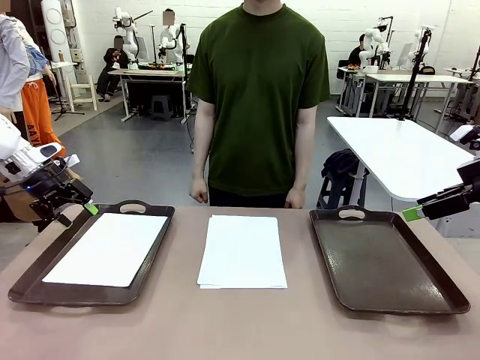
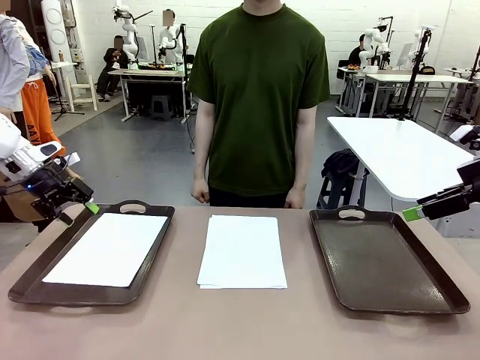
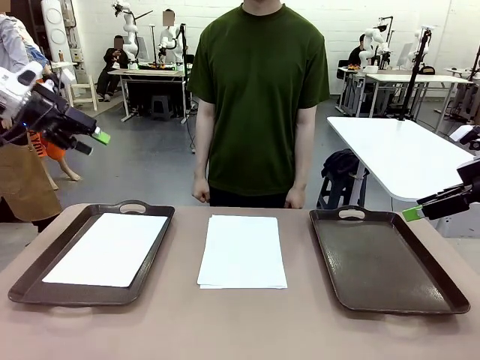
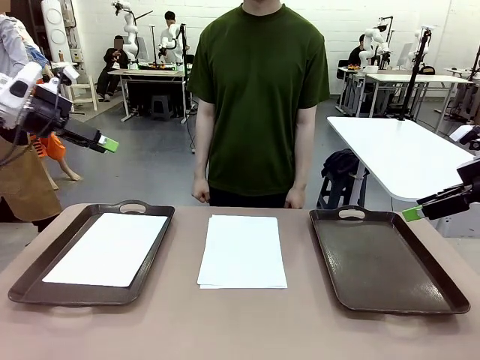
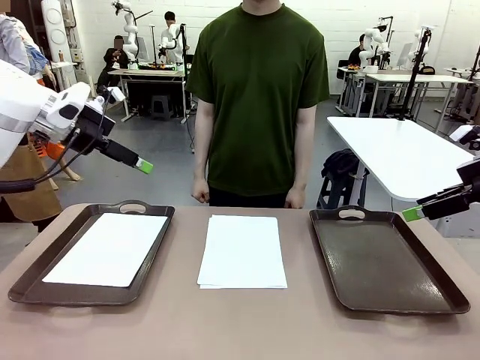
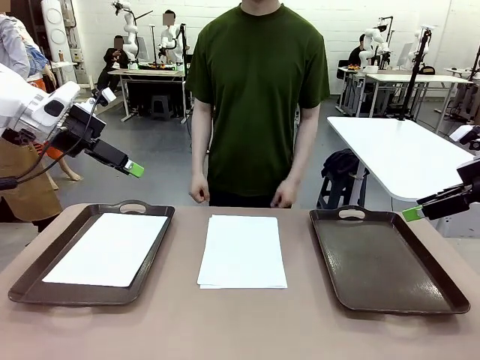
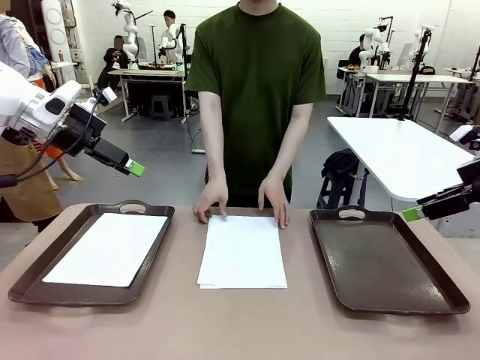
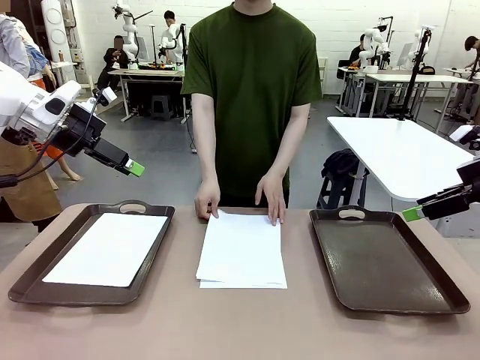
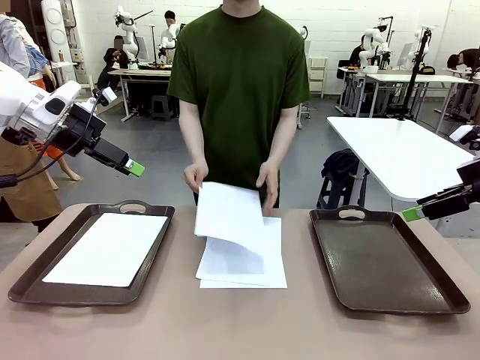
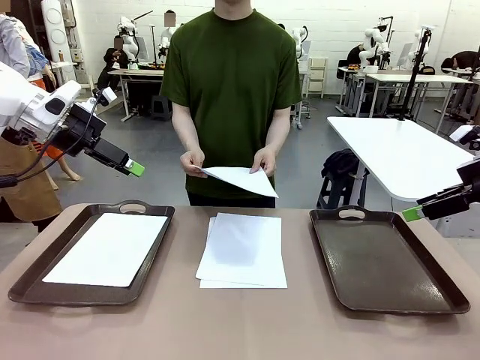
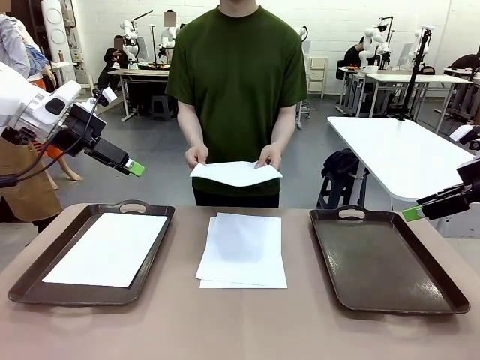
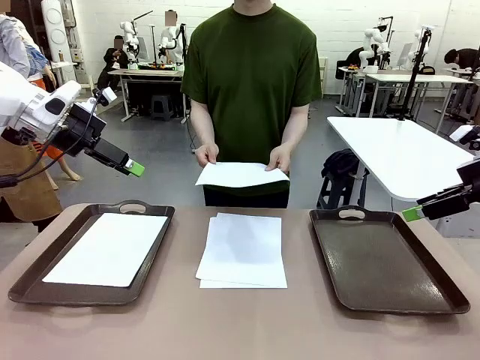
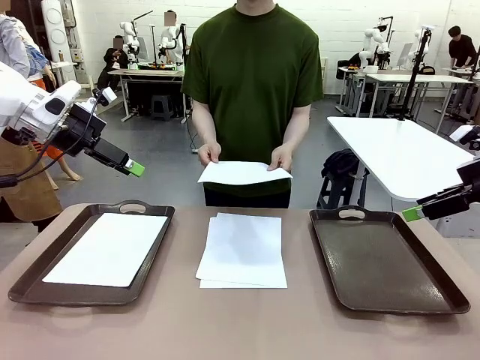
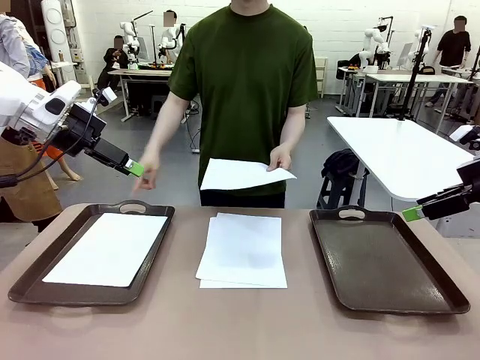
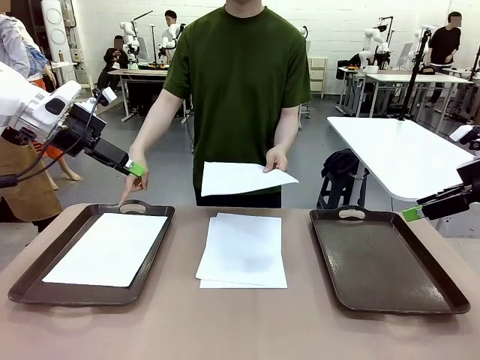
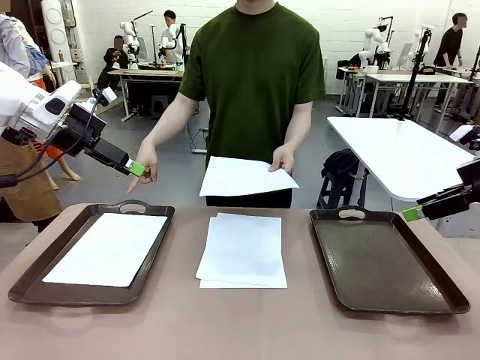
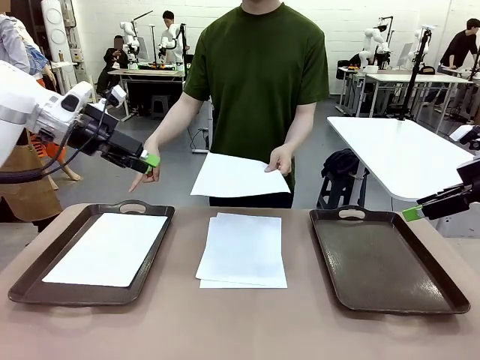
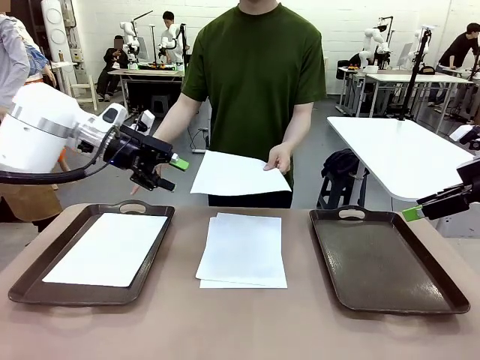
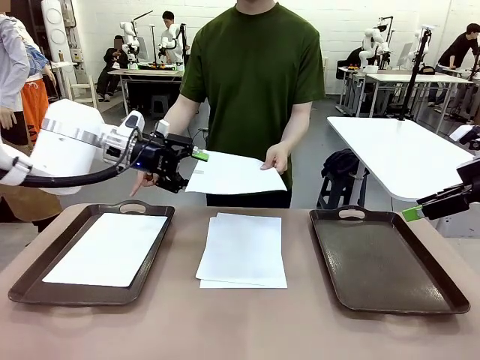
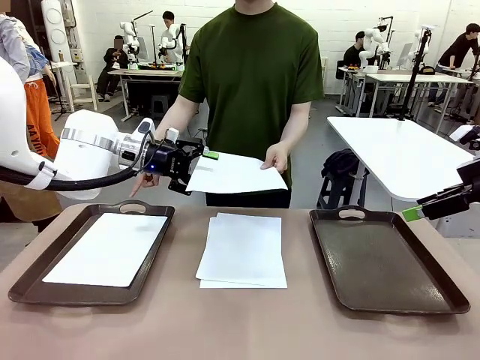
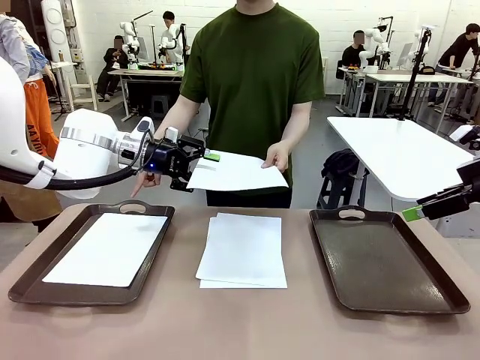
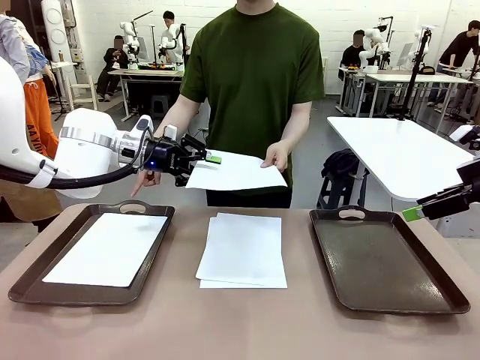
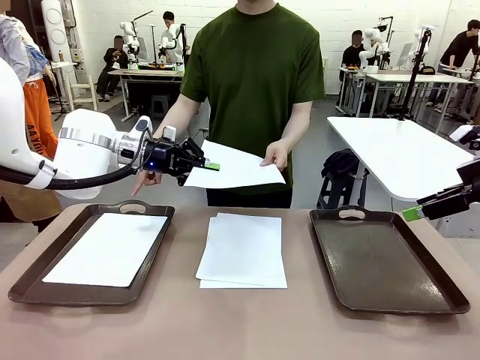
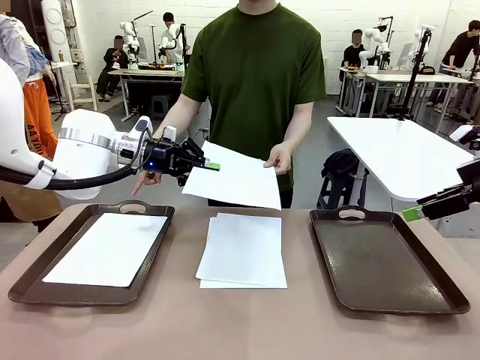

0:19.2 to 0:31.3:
Task: Sort the A4 documents.
Robot: Receive the A4 Paper.
Person: Point the randomly selected tray with the other hand.

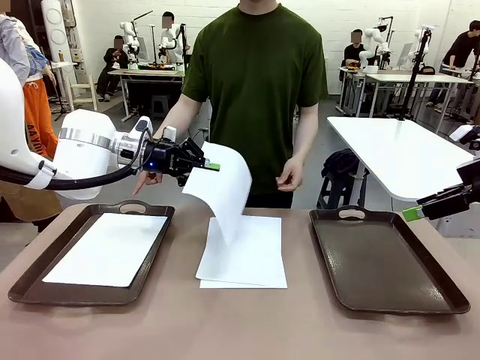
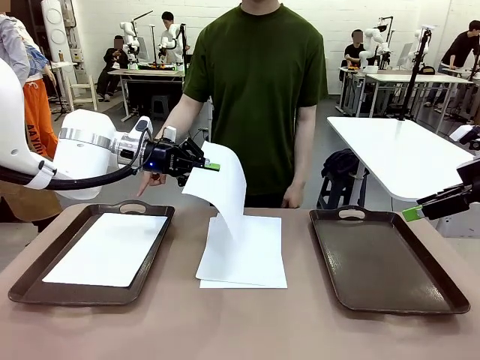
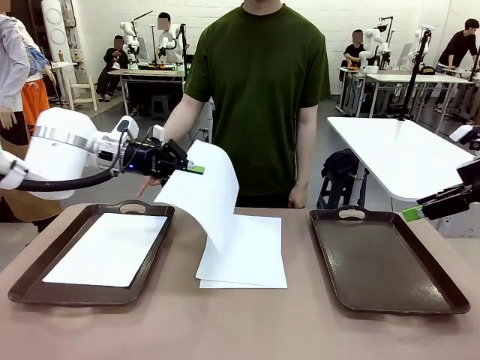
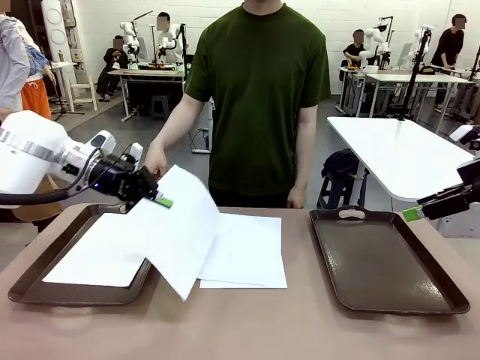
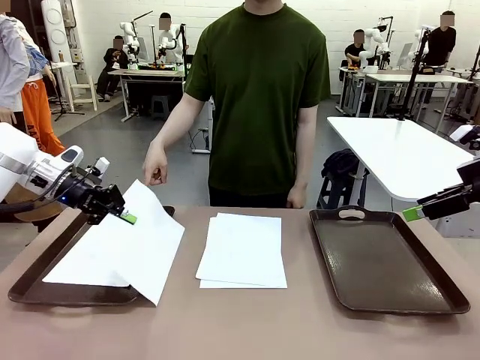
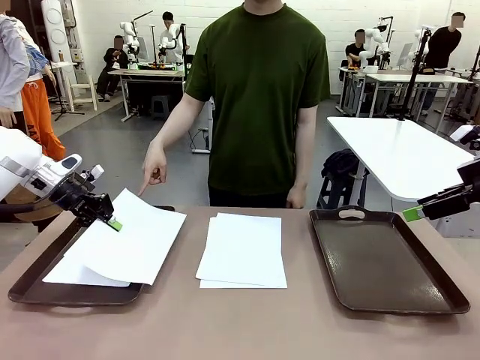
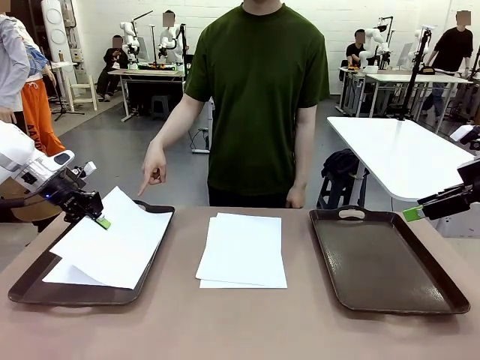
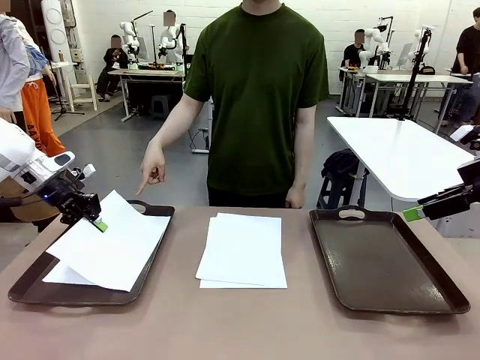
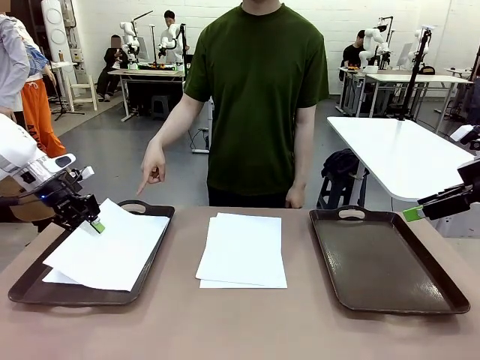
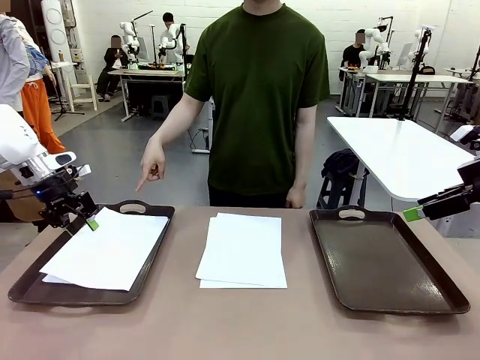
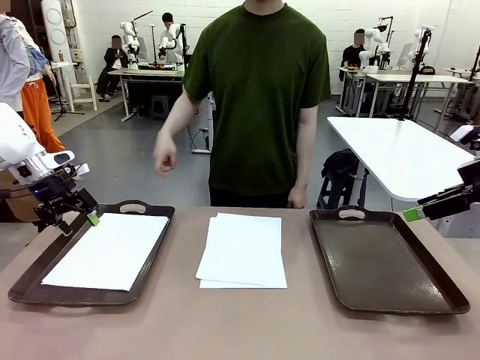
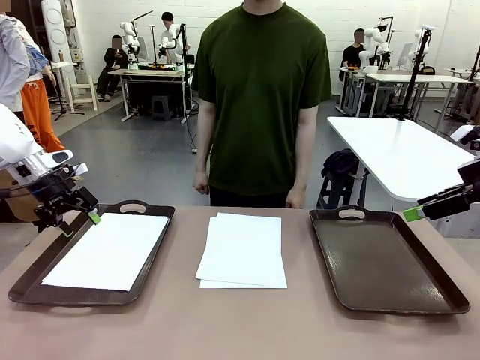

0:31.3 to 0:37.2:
Robot: Place the A4 Paper in the designated Handle tray.

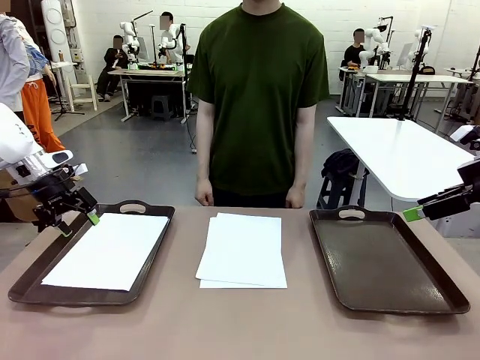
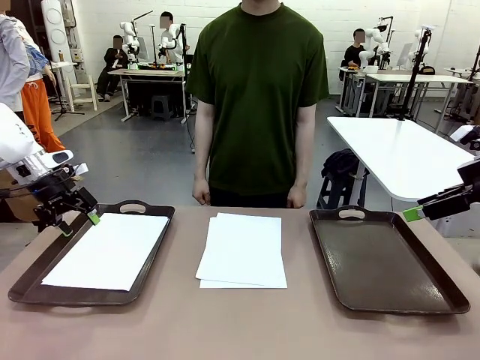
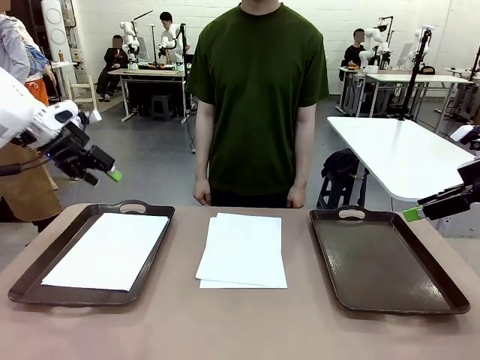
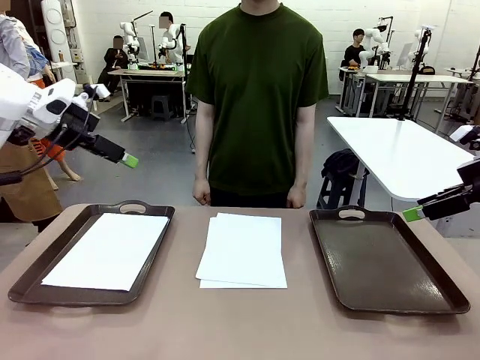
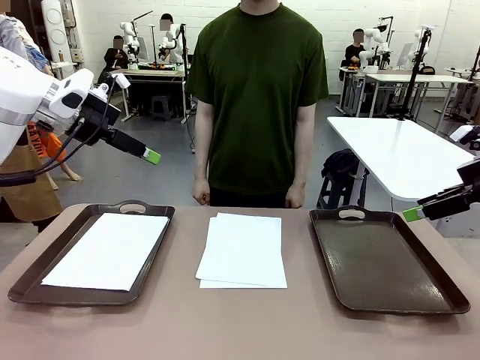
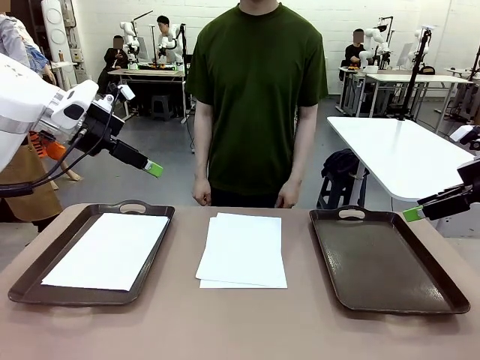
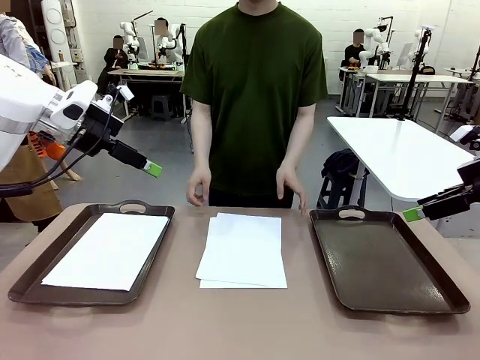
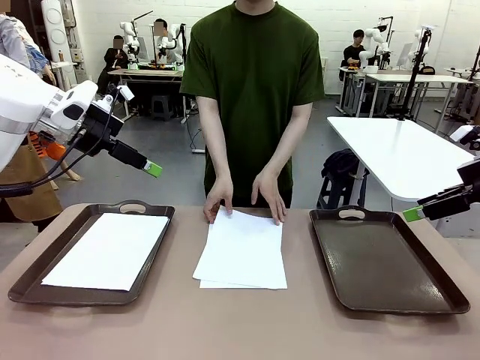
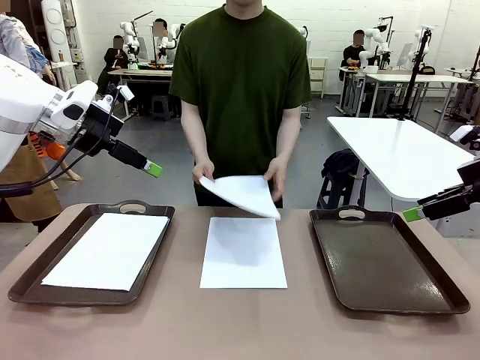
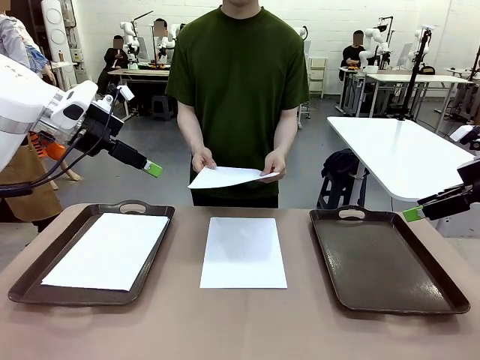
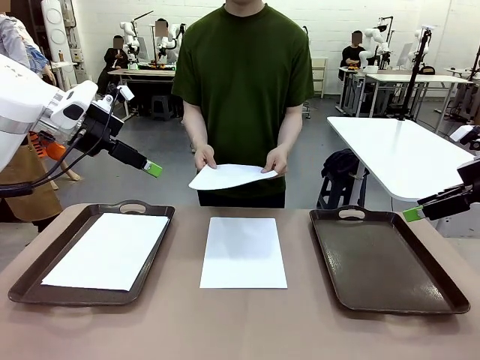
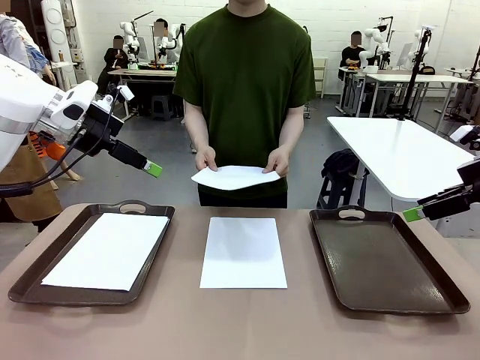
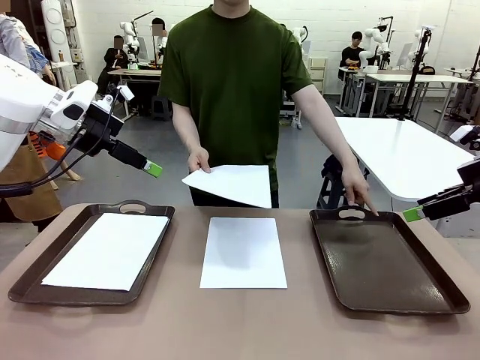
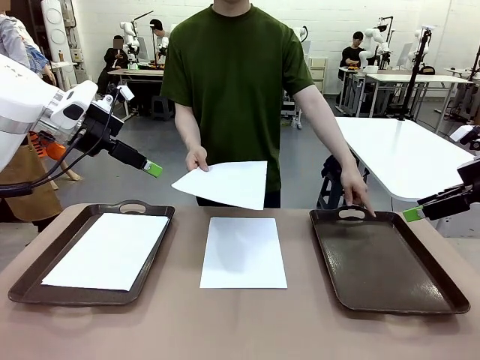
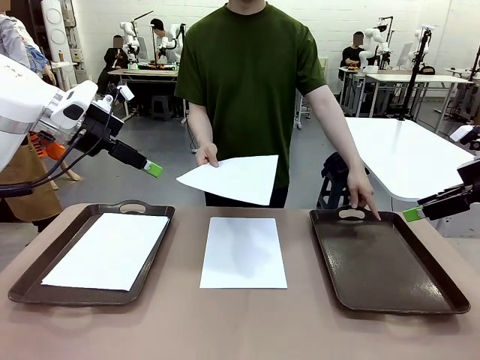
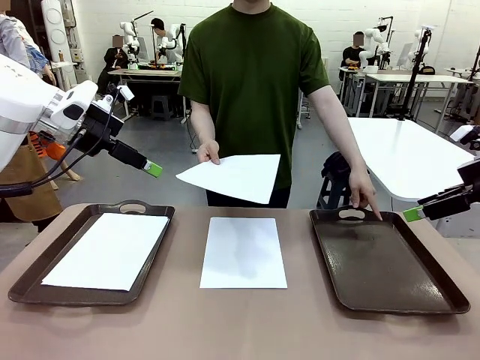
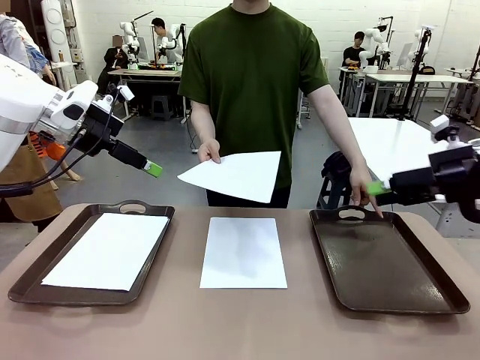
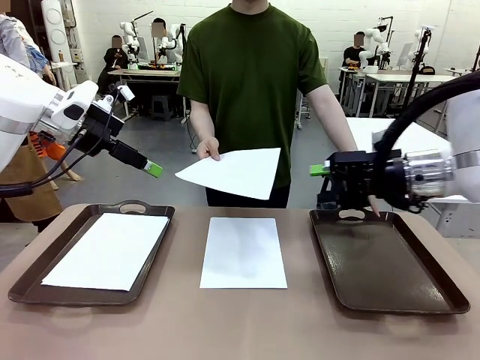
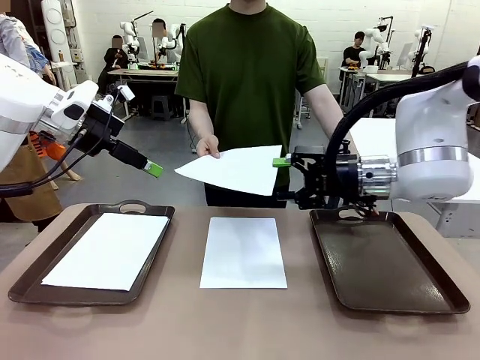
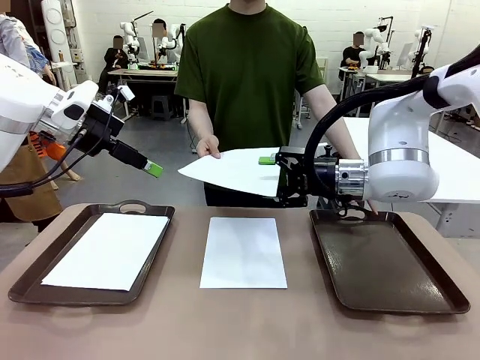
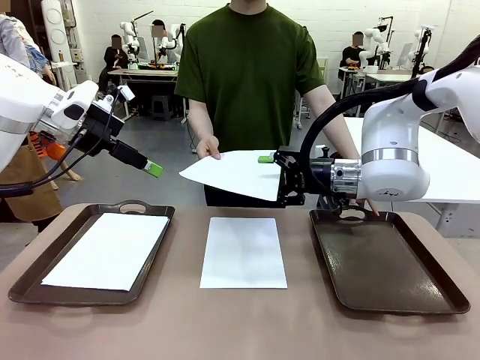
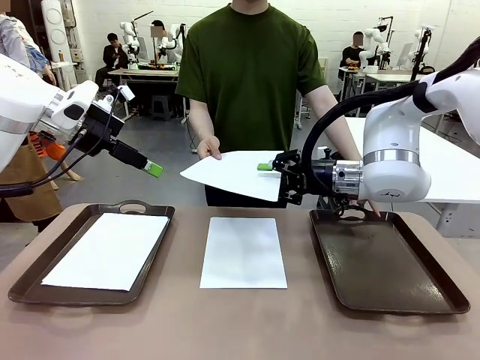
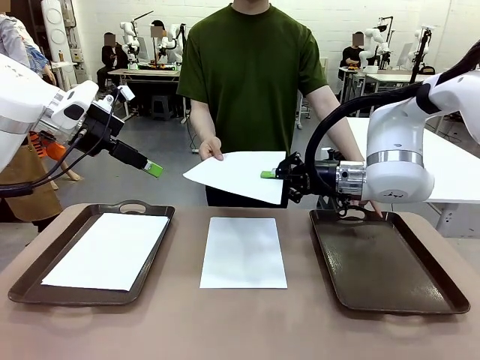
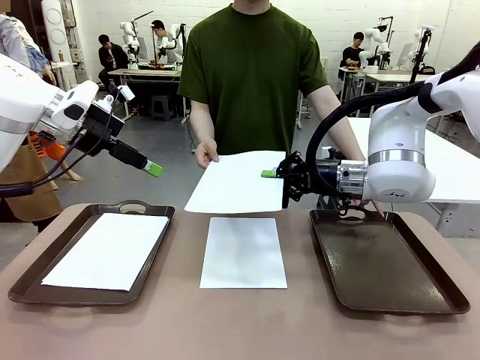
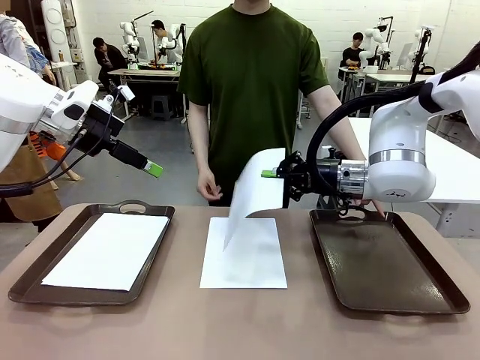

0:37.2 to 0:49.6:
Robot: Receive the A4 Paper.
Person: Point the randomly selected tray with the other hand.
